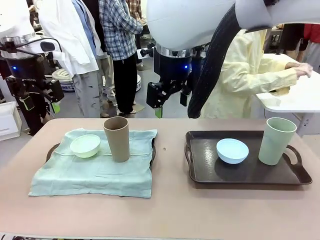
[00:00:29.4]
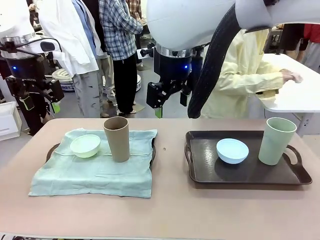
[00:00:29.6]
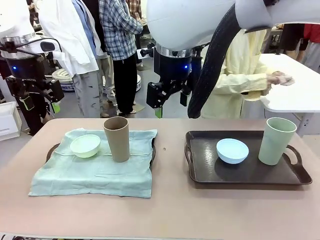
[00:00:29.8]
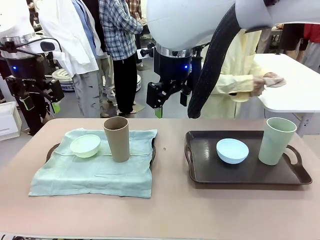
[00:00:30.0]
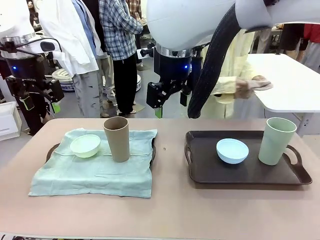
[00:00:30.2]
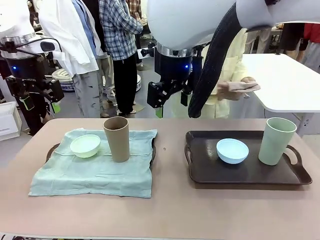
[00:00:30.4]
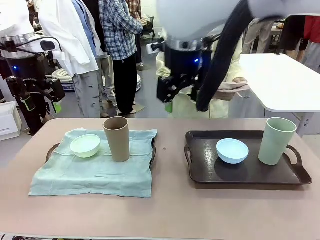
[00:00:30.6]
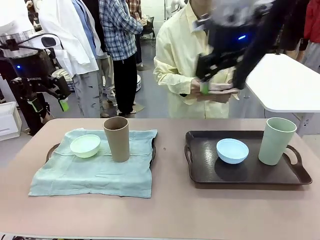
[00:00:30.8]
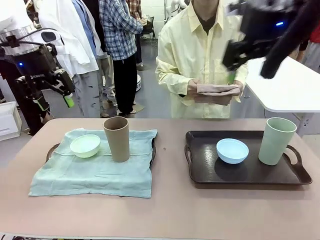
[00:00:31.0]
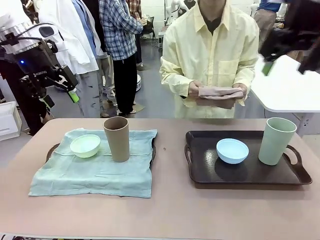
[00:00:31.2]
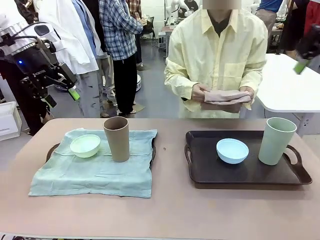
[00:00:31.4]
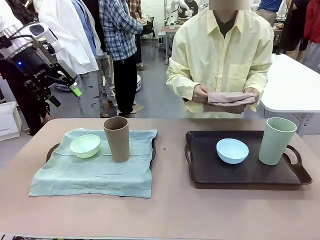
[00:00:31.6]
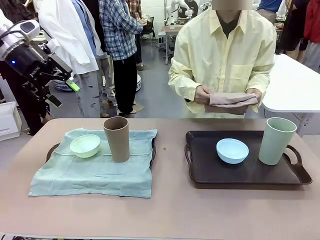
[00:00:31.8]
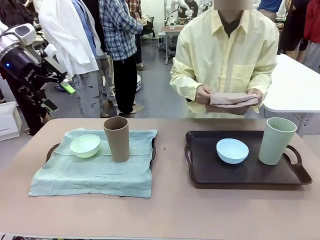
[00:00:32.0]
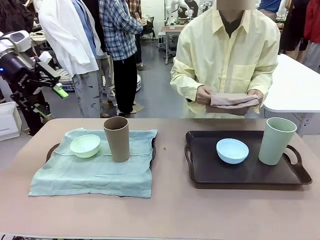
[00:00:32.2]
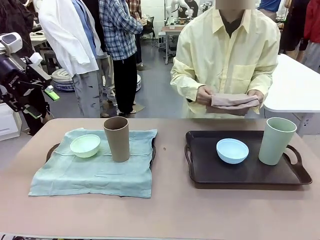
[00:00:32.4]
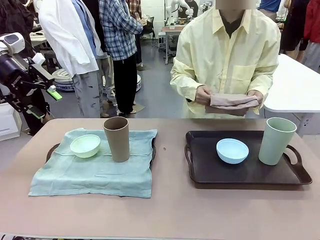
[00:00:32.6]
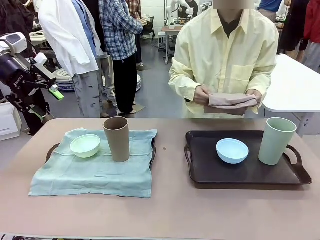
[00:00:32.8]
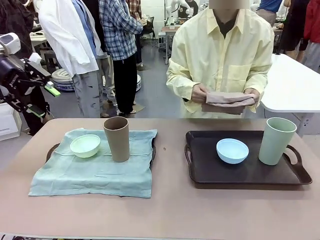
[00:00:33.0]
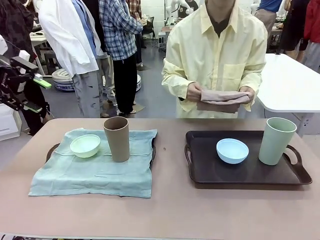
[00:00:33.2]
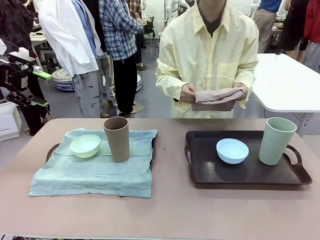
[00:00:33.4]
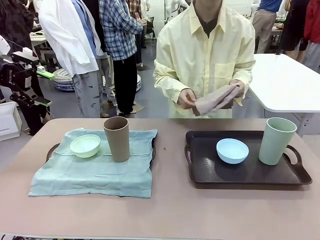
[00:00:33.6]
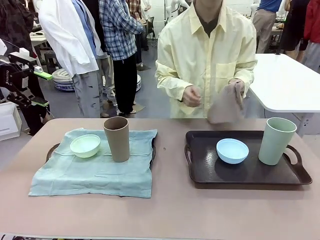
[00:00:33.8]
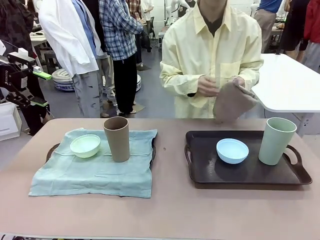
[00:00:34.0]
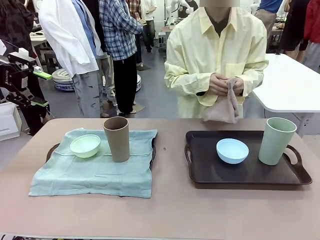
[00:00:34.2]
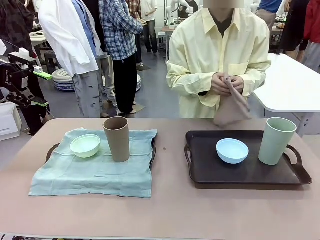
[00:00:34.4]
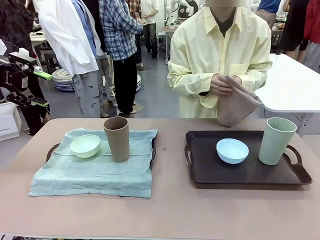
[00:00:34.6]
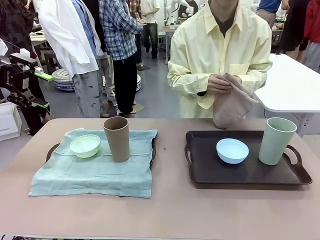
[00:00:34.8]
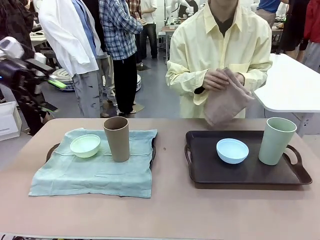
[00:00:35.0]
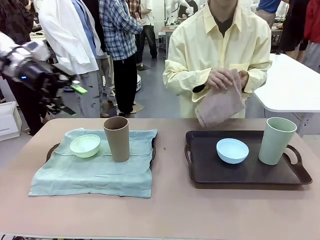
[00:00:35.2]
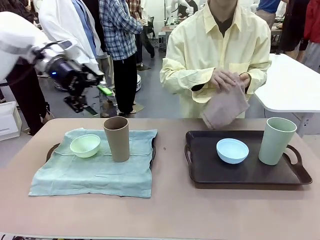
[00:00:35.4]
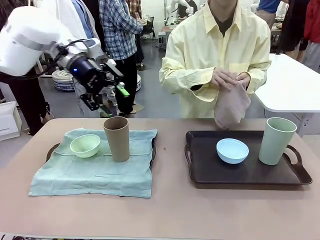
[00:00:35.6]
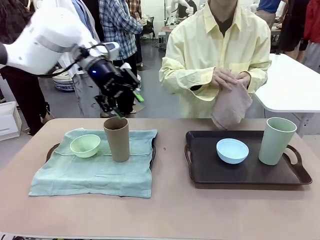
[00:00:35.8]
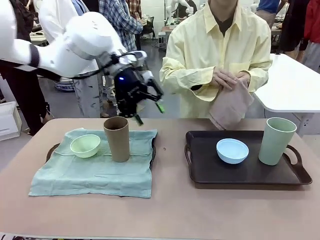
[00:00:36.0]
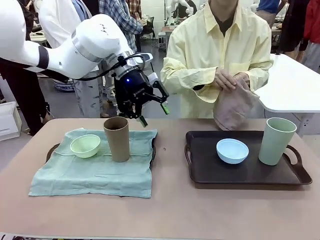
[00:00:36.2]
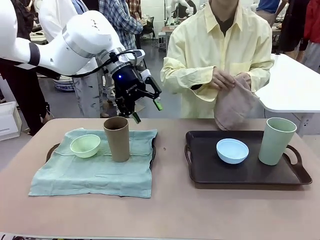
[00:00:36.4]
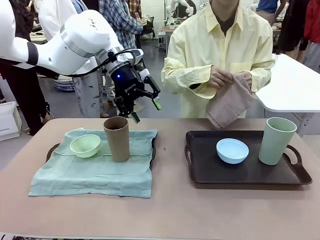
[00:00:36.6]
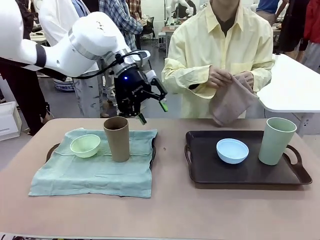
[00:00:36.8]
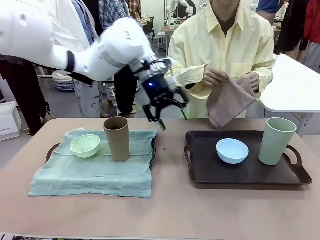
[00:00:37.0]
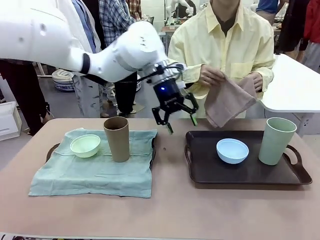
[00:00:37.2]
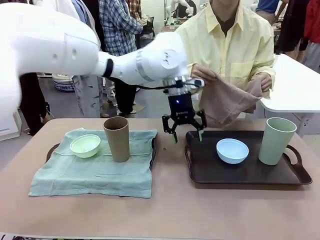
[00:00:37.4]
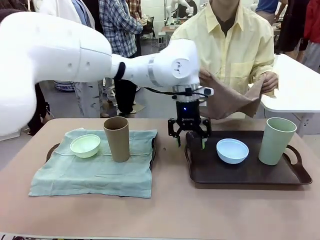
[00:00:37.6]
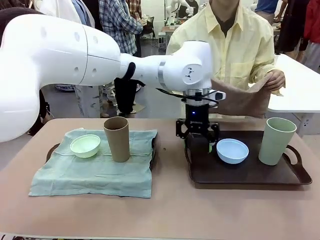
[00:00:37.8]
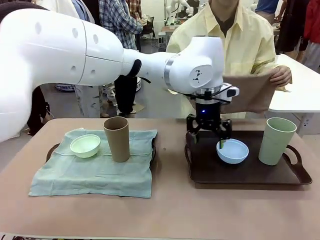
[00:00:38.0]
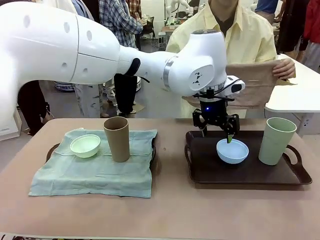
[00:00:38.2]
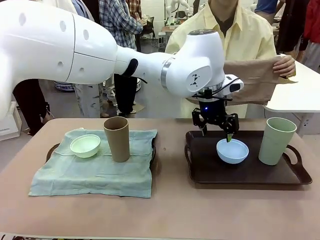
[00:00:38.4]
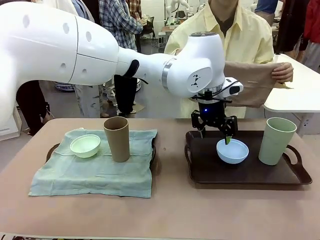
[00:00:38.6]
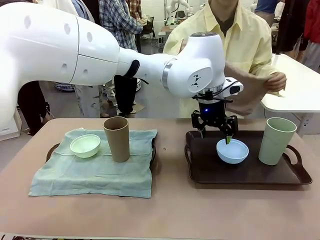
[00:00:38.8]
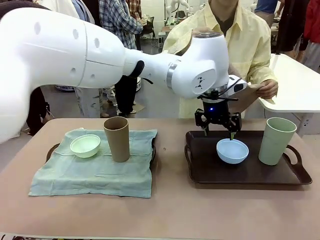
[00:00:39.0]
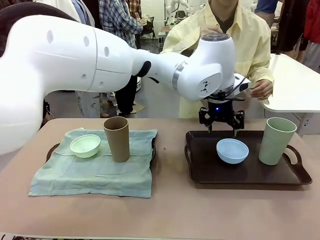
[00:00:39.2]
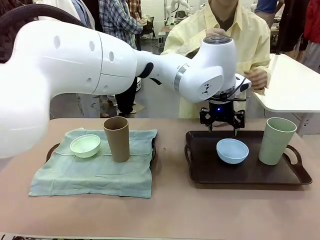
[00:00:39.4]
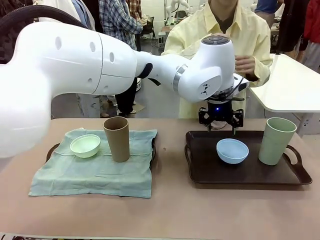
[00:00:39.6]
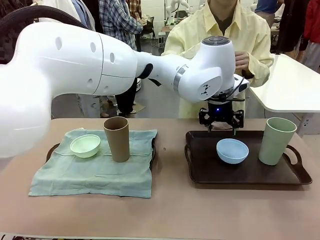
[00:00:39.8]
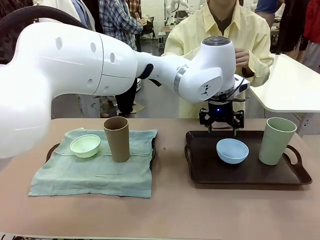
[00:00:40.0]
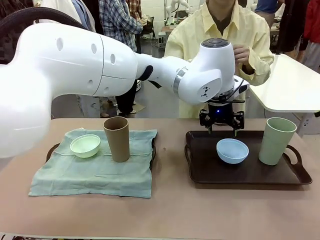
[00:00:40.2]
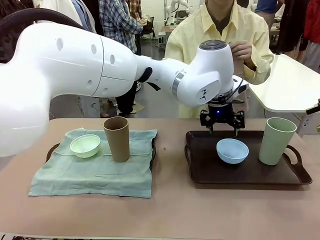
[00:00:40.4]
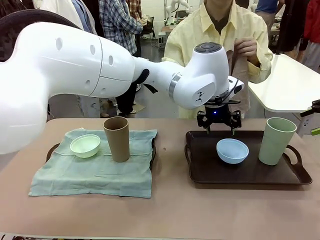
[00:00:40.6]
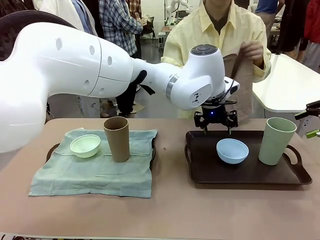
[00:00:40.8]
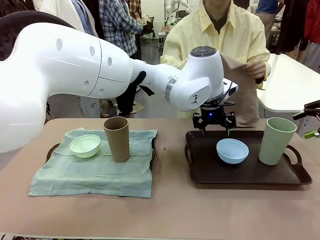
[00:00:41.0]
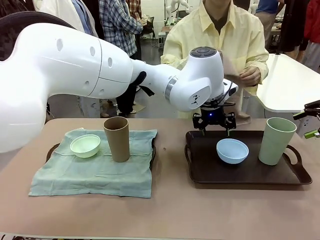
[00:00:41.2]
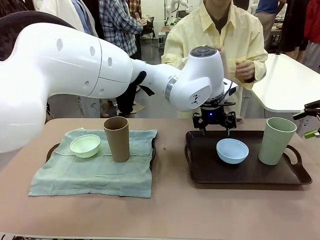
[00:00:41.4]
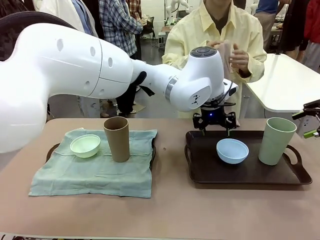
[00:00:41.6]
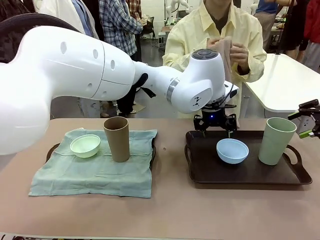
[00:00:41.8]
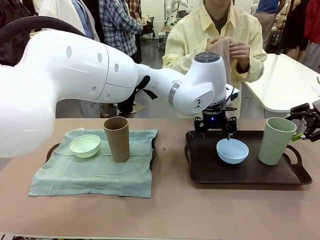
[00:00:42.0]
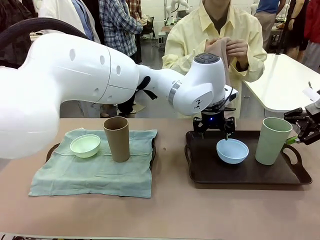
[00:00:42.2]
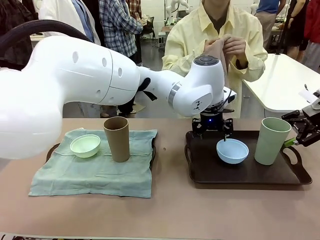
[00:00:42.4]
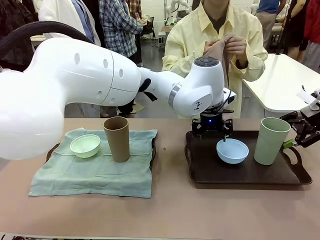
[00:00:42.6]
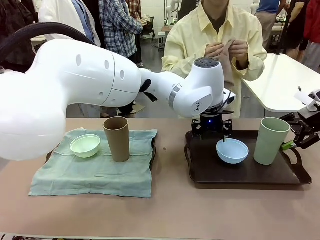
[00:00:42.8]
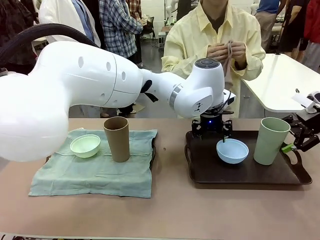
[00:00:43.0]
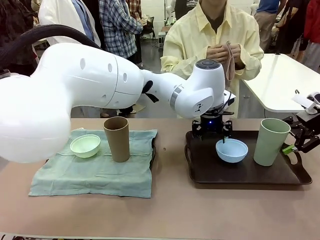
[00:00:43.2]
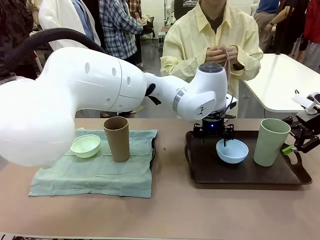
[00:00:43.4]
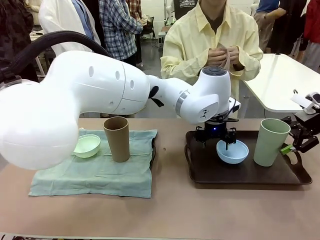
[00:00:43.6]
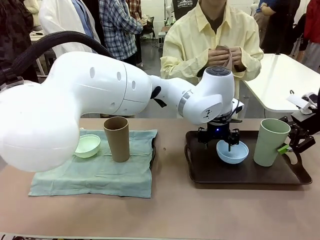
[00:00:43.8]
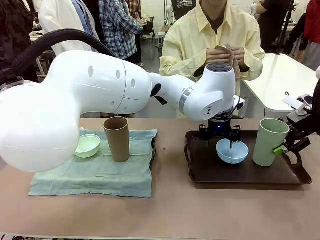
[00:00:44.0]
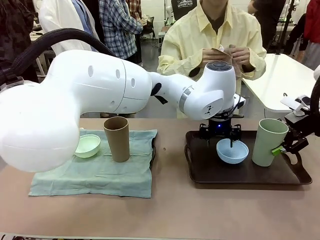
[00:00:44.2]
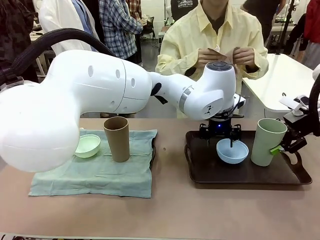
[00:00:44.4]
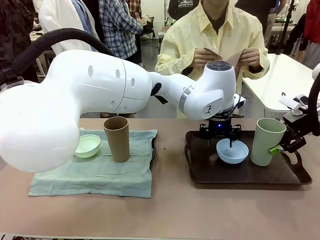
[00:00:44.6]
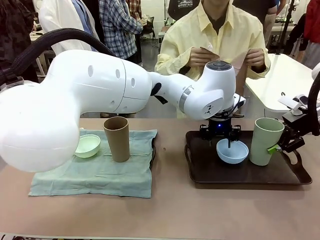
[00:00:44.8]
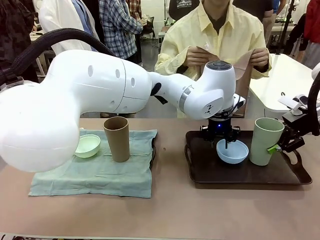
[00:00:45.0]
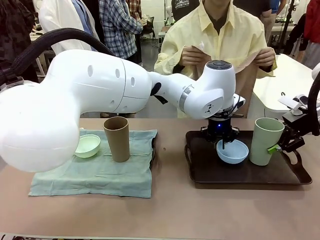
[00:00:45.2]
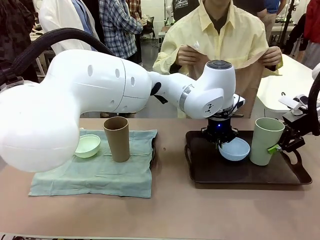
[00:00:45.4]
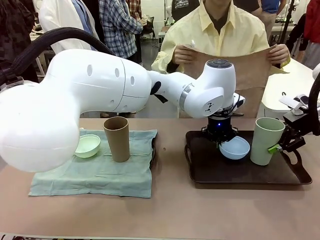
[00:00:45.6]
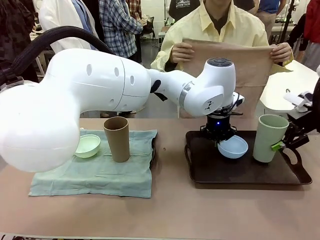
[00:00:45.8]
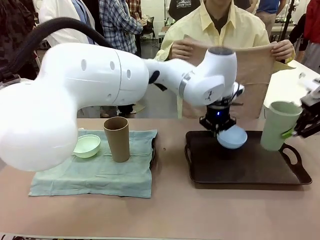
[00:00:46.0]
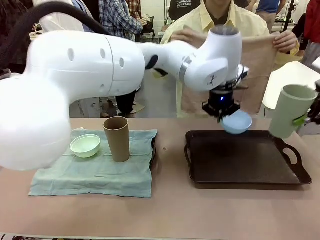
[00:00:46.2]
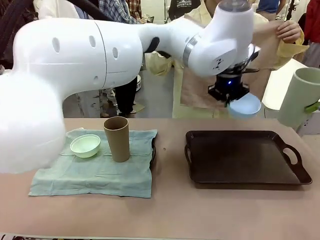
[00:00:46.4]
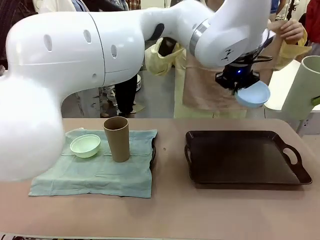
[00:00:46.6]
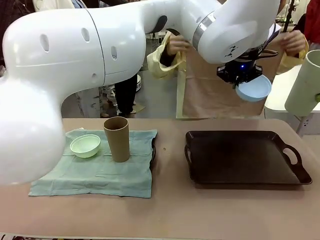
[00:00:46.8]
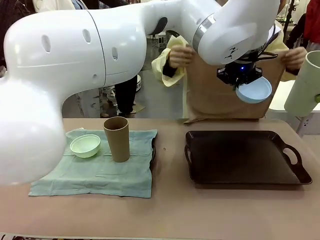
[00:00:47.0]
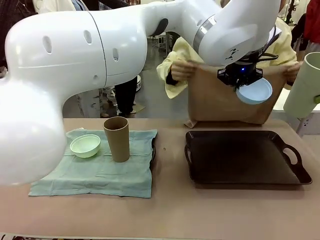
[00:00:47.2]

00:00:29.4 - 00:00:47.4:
Robot: Pick up the Picnic Bowl and Reusable plastic cup from the Handle tray in front of the human's position and hold them in the air.
Person: When the robot lifts the bowl and the cup, the human unfolds the napkin and lays the napkin flat on the tray.
